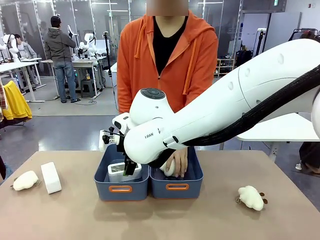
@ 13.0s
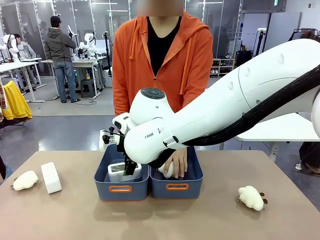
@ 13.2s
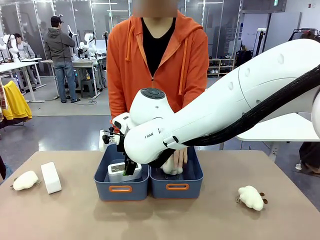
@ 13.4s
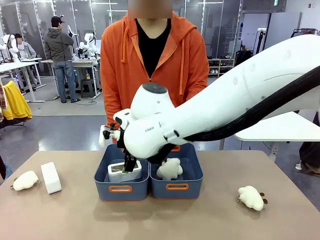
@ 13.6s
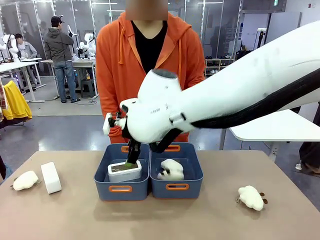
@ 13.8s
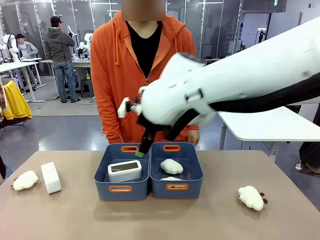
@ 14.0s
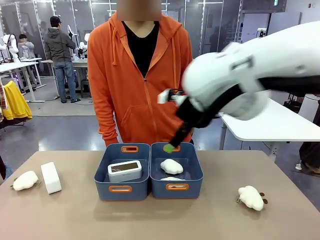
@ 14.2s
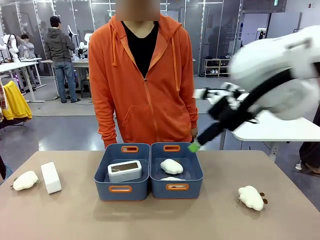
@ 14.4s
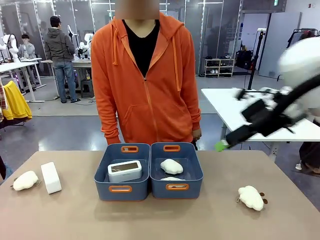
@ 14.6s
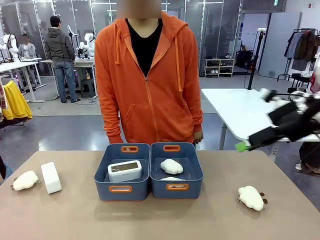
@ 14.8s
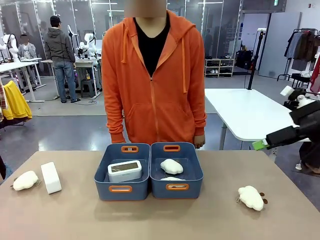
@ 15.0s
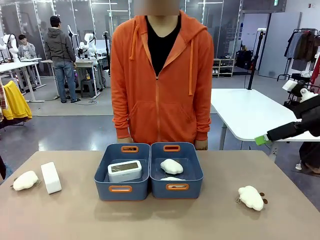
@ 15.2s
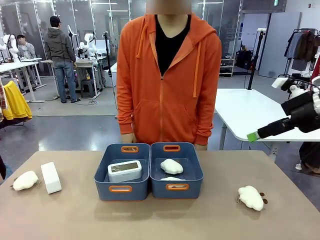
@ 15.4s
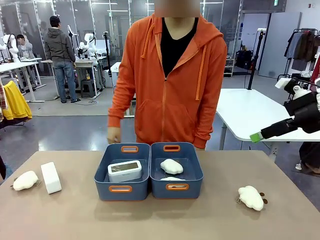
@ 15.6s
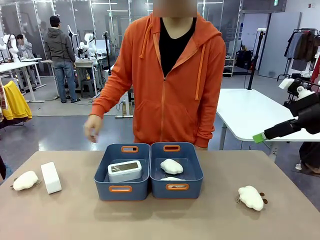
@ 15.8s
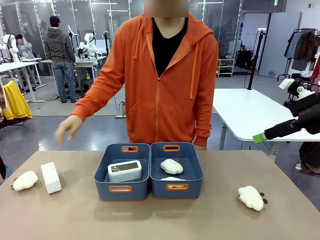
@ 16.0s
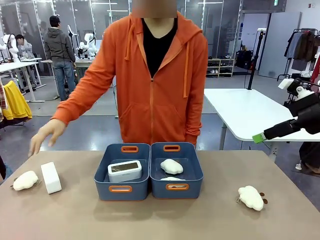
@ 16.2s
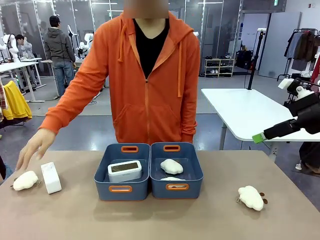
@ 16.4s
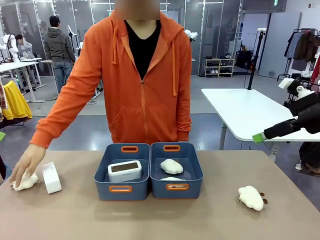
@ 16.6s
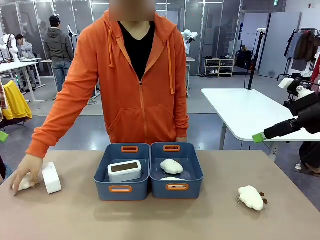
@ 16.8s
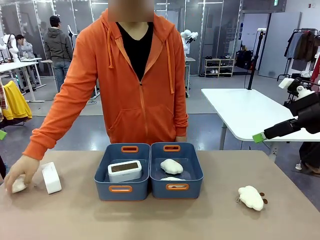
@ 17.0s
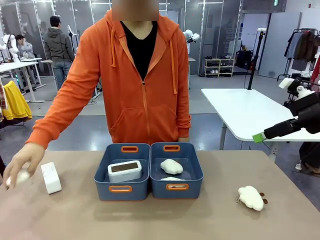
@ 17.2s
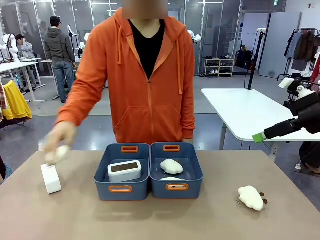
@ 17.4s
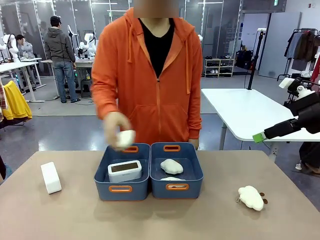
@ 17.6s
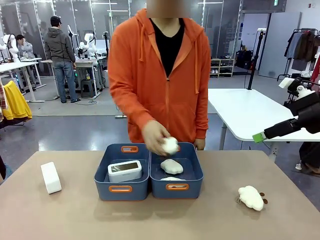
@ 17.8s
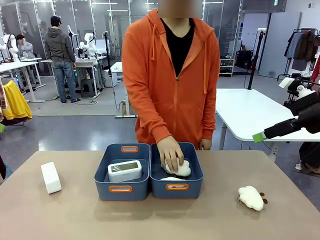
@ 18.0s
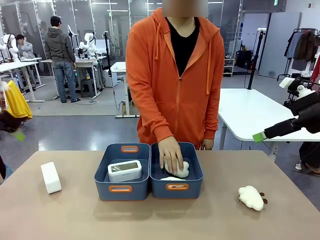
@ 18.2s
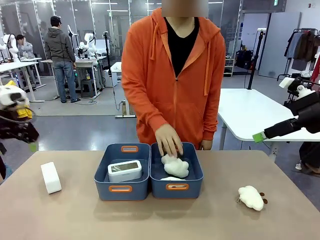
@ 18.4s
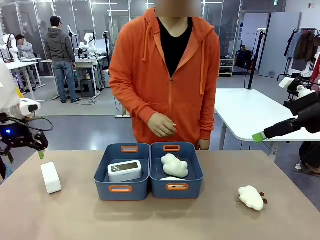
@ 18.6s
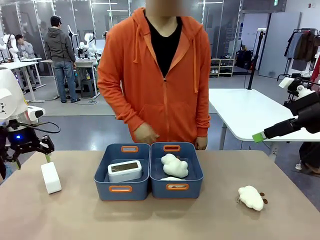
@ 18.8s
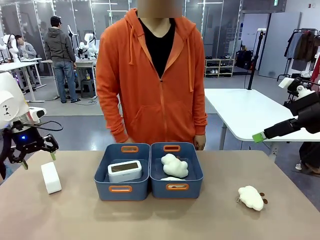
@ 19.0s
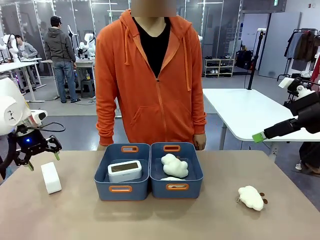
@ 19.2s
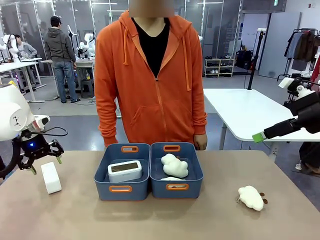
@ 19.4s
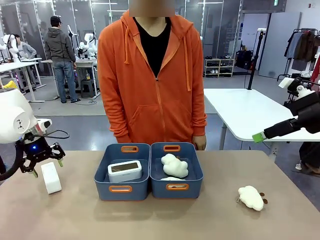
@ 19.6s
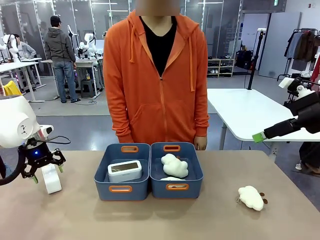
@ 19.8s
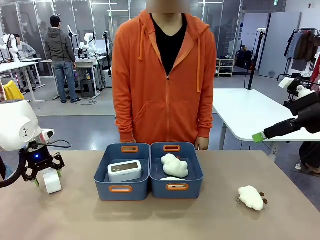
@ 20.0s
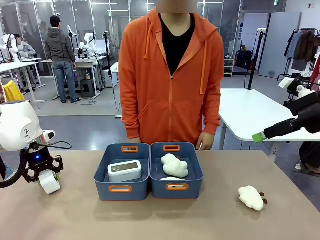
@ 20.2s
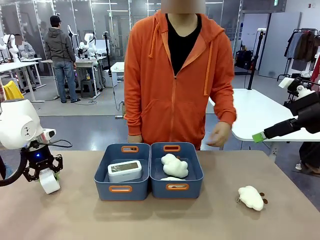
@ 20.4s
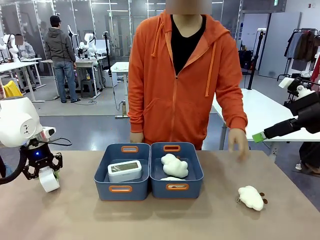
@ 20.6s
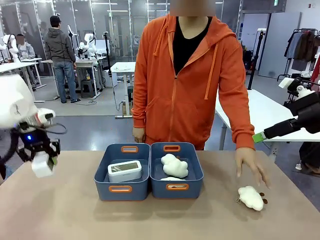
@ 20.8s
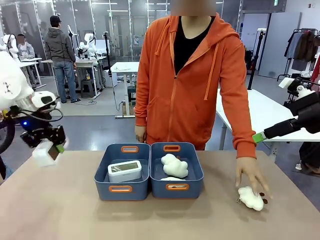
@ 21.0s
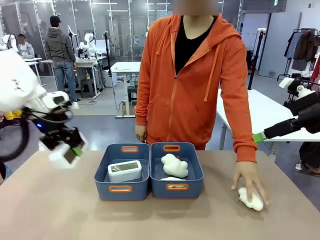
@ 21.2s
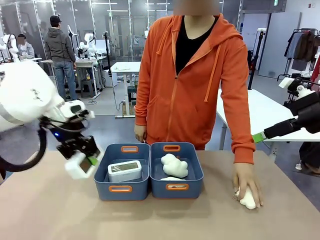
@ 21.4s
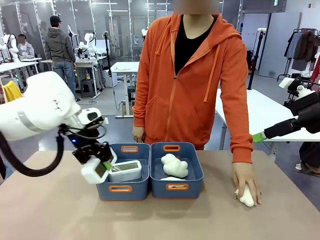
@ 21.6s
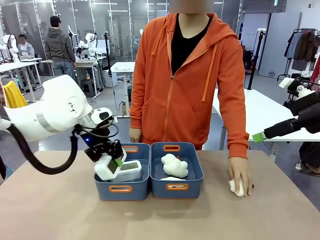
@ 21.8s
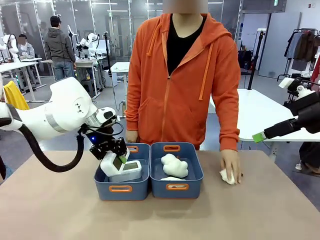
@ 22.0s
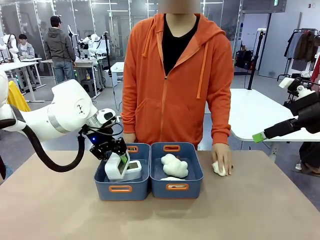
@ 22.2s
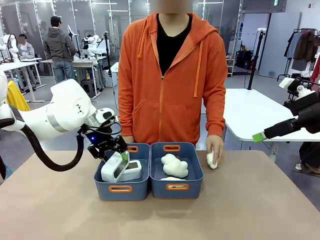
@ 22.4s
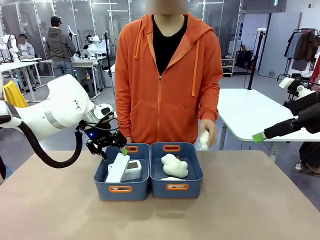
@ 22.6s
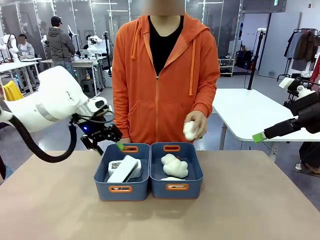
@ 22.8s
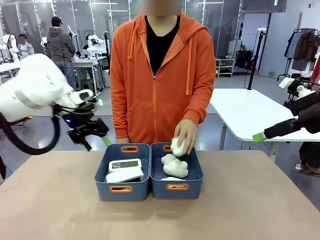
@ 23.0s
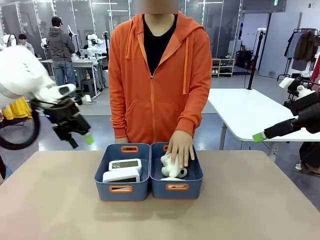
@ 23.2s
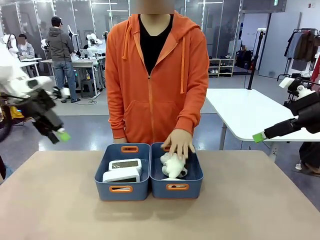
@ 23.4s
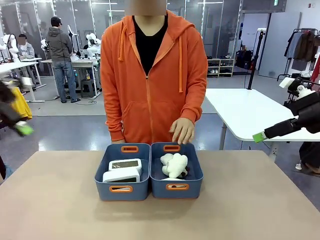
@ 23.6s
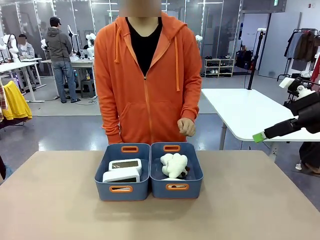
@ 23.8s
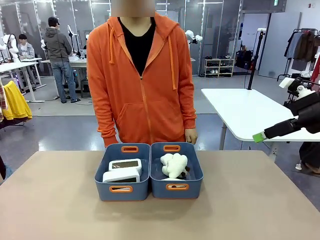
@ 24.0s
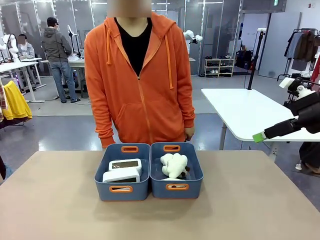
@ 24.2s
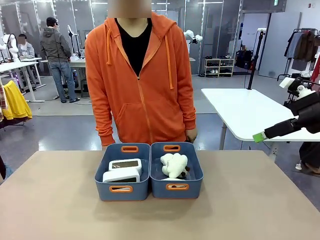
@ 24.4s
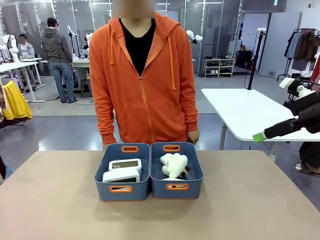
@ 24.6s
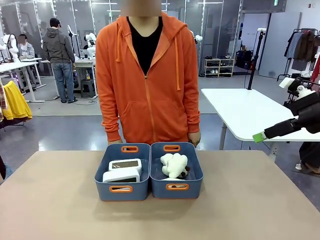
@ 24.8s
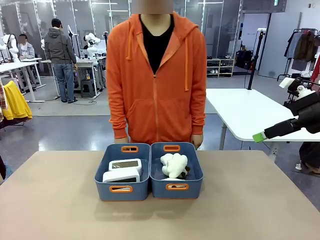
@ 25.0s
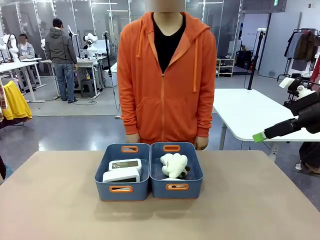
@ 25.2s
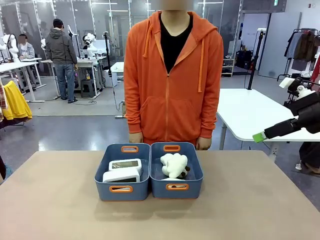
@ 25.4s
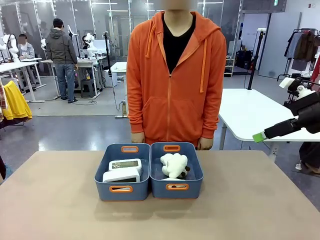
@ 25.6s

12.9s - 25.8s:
Task: Sort the digital clocks into the basket.
Robot: Pick up the Digital clock from the table and place it into the empty Plastic storage basket.
Person: Pick up a plush toy from the table and place it in the plastic storage basket containing the plush toy.

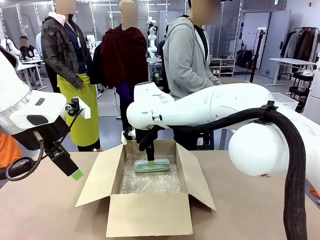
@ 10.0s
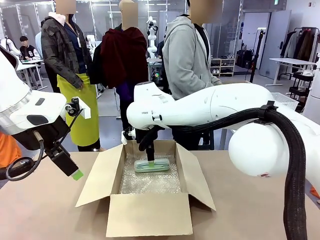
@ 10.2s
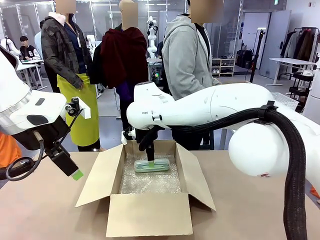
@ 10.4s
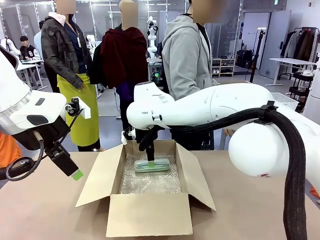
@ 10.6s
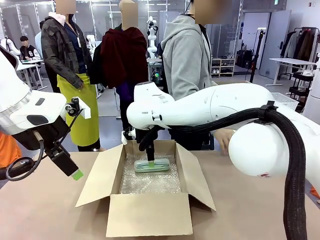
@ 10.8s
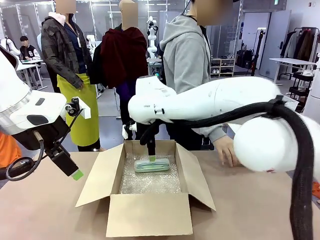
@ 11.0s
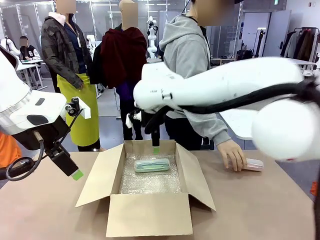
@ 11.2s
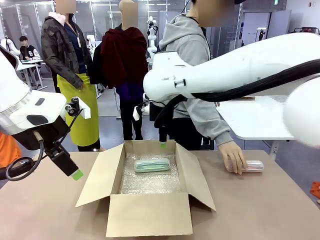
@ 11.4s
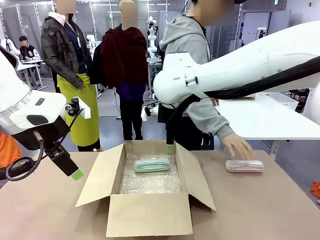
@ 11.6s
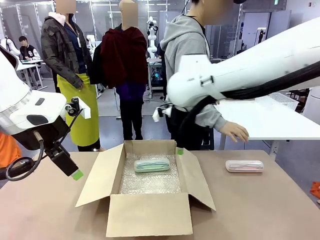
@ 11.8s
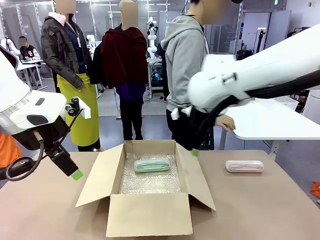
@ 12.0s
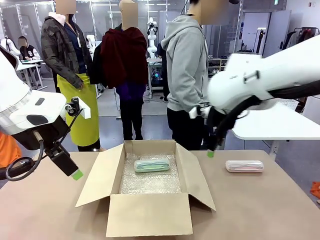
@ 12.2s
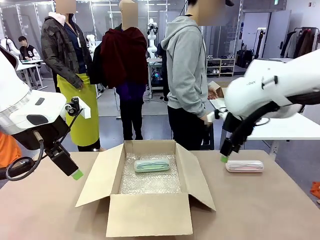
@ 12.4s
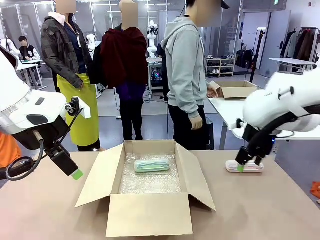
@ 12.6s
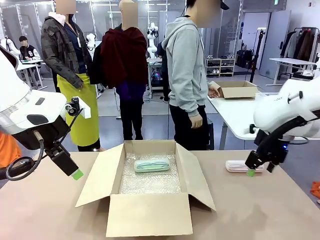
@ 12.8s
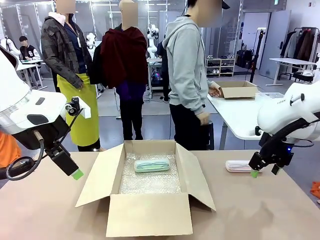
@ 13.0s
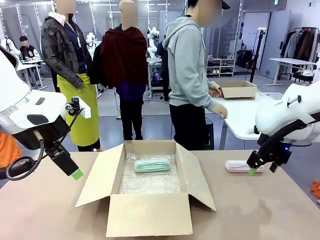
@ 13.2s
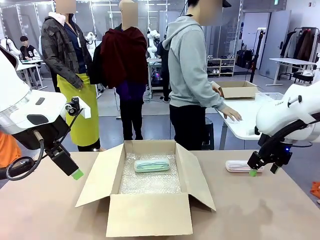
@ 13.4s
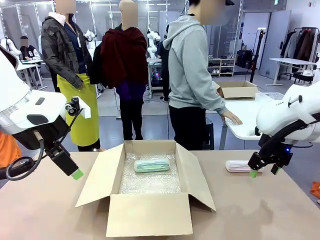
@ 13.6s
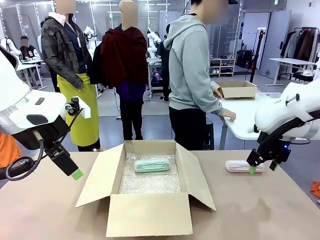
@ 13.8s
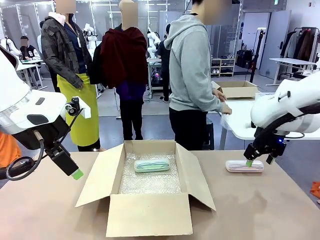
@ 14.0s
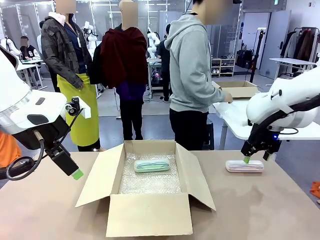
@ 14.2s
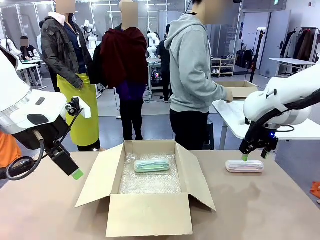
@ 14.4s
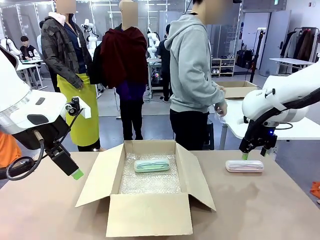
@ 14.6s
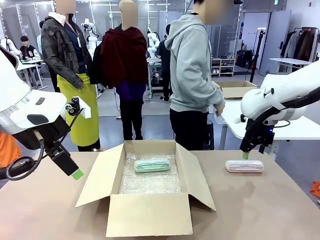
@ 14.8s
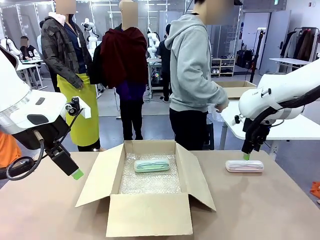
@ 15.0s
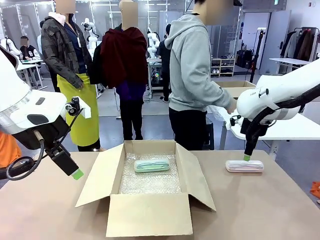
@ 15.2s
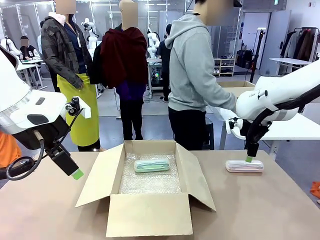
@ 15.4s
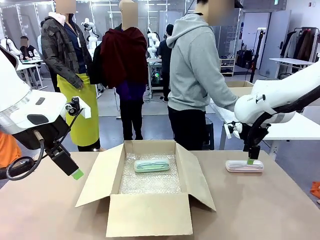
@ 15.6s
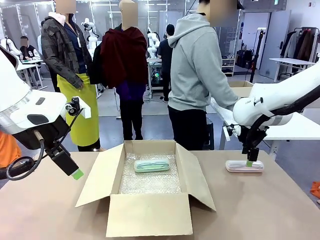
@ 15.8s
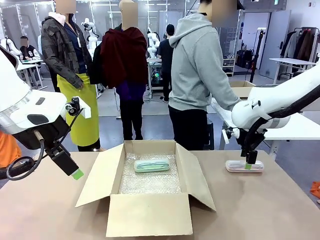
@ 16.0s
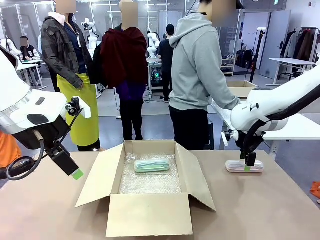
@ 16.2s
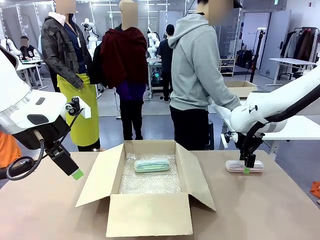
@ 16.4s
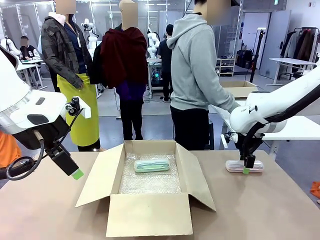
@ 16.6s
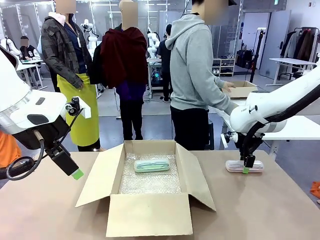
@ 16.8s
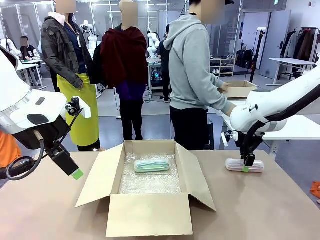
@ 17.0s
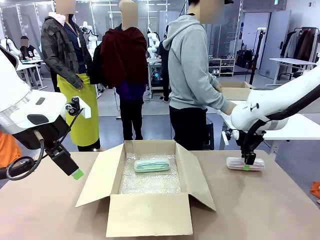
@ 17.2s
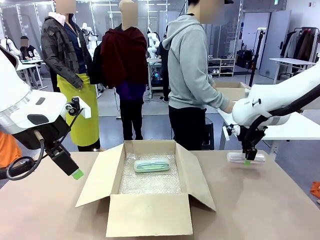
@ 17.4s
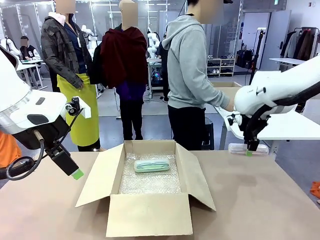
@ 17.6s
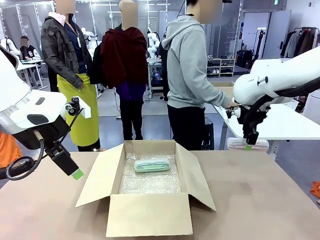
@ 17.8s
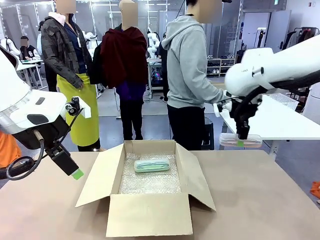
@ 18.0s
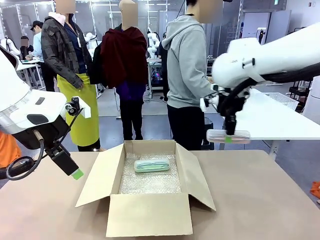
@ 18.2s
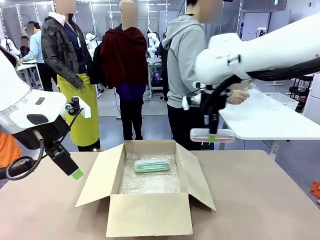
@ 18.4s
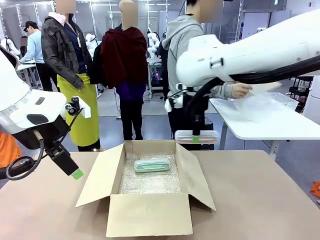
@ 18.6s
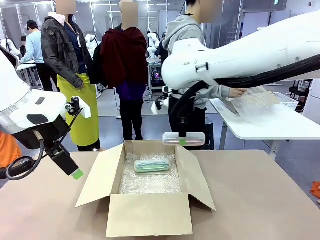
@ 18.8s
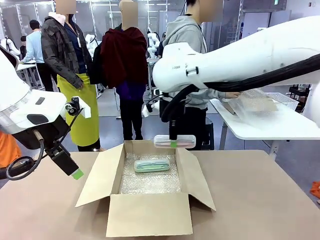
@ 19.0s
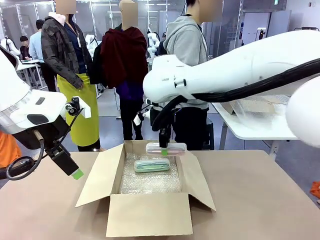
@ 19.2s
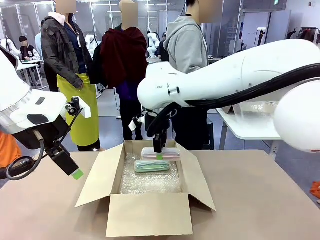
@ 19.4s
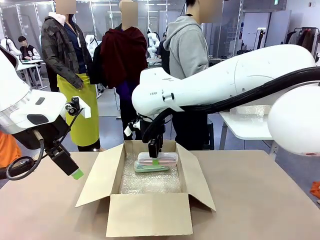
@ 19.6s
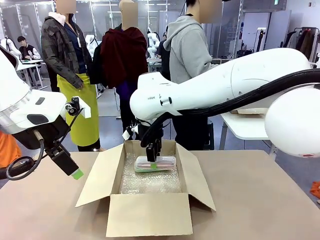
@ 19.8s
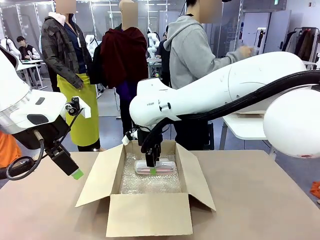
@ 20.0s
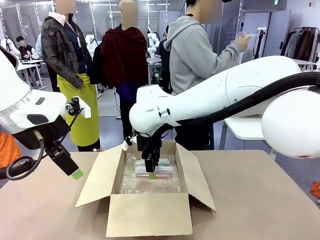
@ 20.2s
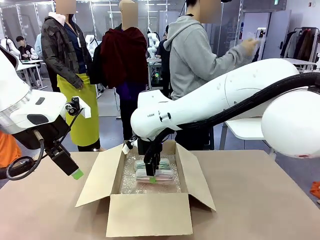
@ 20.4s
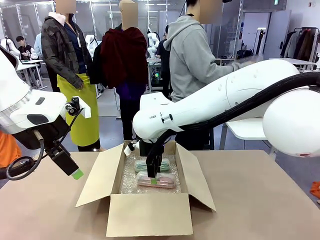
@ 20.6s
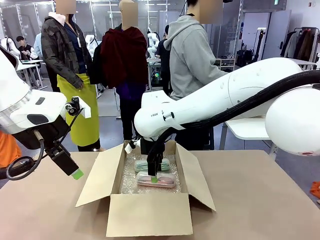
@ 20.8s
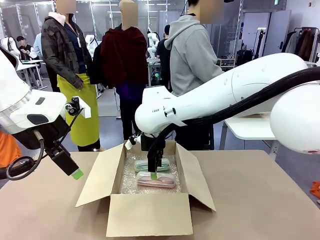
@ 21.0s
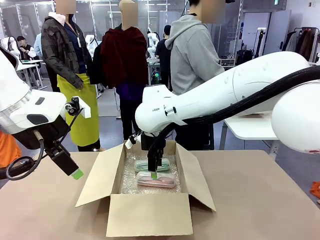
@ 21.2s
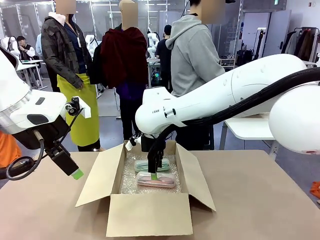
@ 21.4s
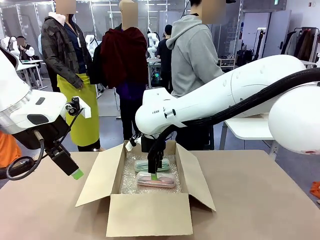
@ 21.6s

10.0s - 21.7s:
Task: Pack the glasses set securely to prepare it for shipping.
Robot: Put the Glasses case from the right side of the table into the Package Box.
Person: Position the Glasses case on the left side of the robot's table.
